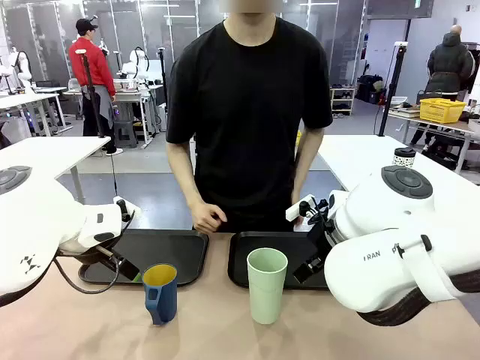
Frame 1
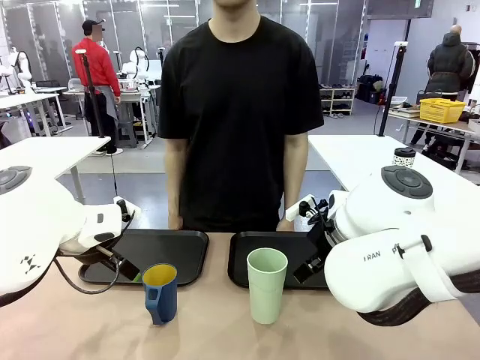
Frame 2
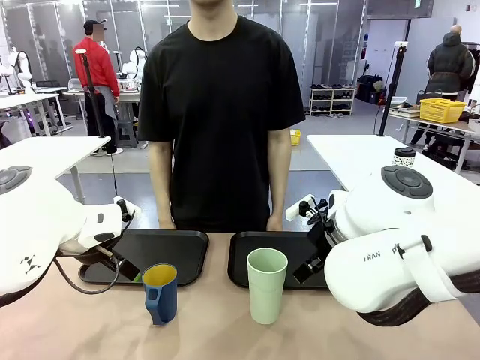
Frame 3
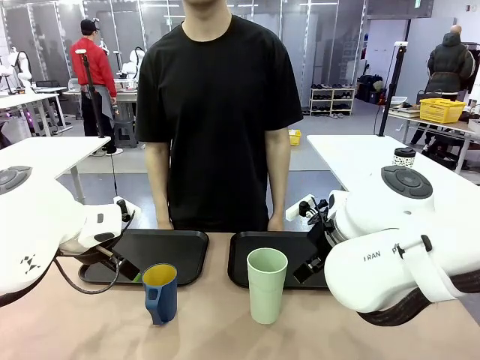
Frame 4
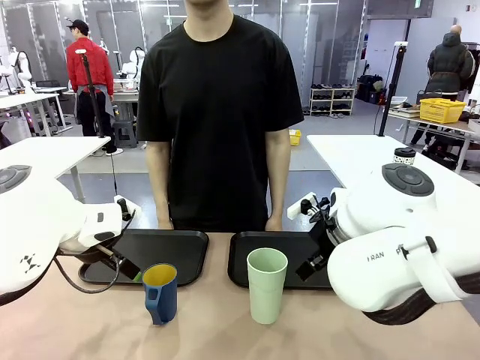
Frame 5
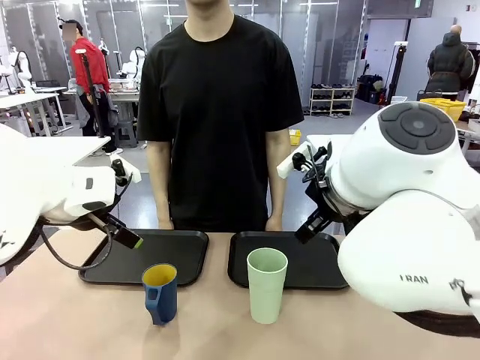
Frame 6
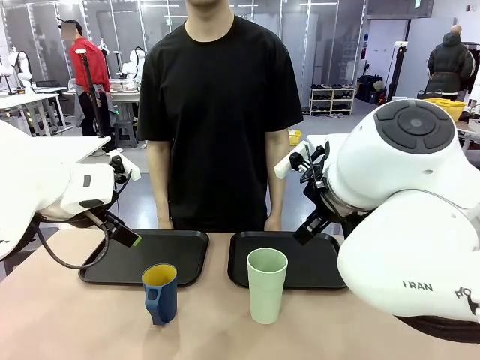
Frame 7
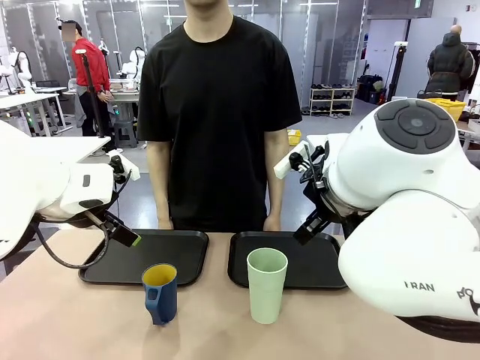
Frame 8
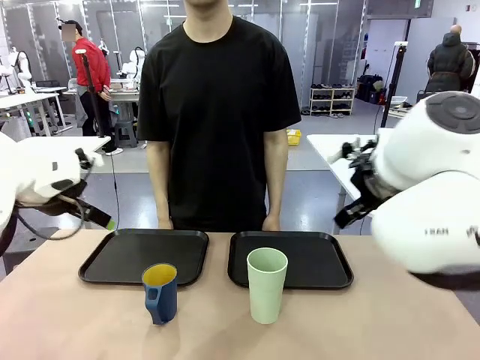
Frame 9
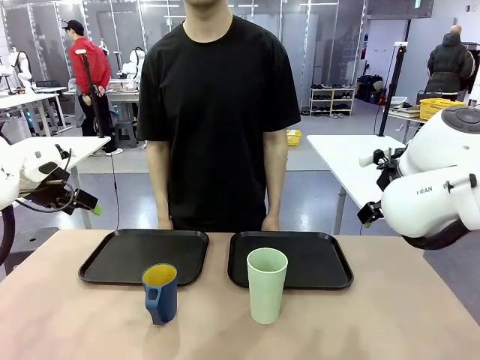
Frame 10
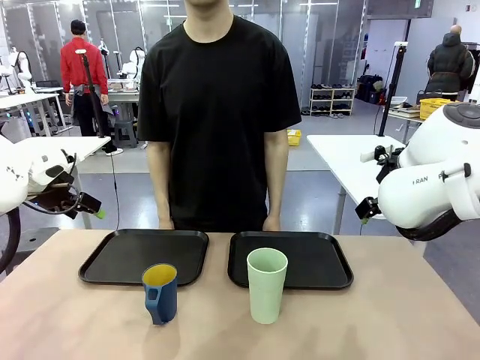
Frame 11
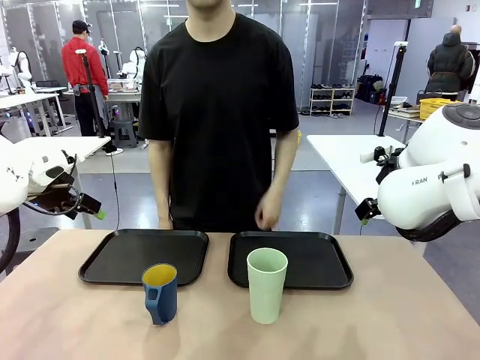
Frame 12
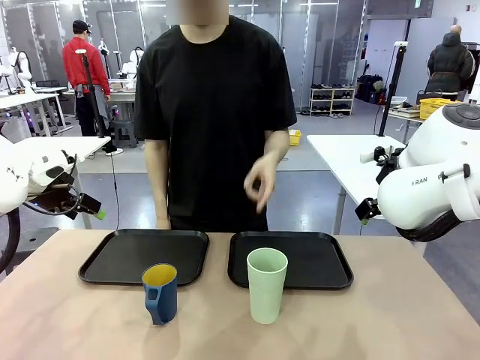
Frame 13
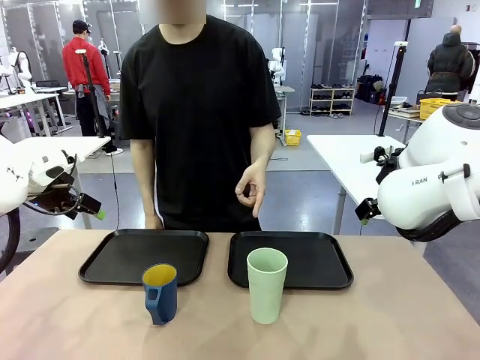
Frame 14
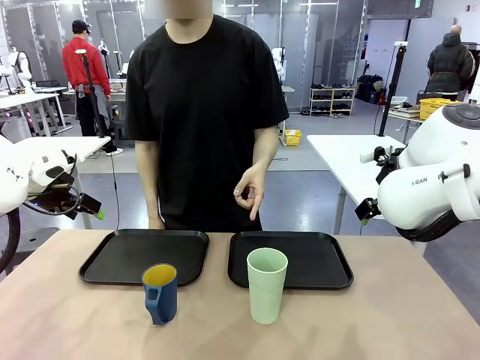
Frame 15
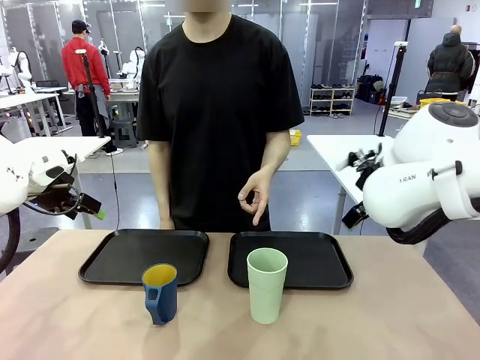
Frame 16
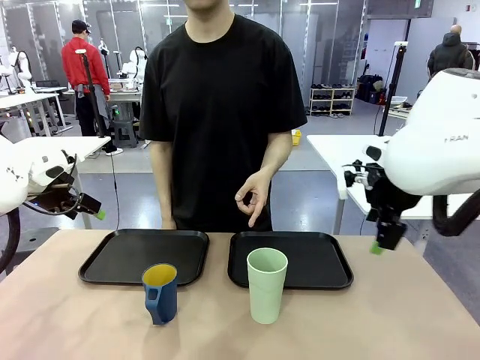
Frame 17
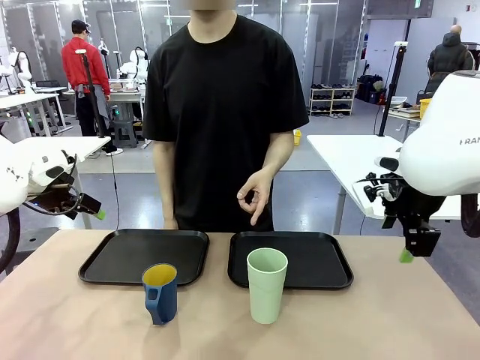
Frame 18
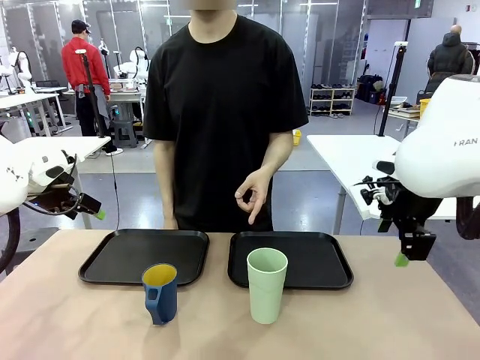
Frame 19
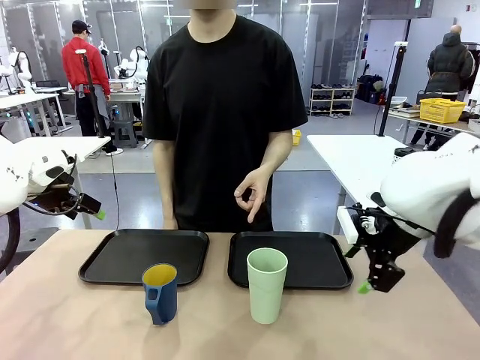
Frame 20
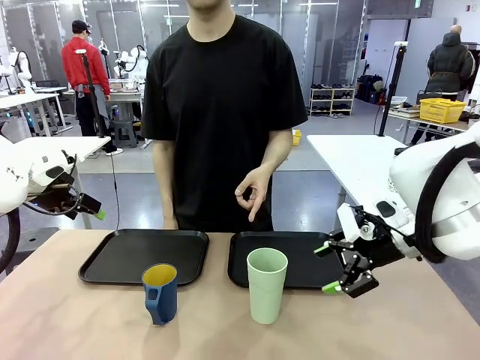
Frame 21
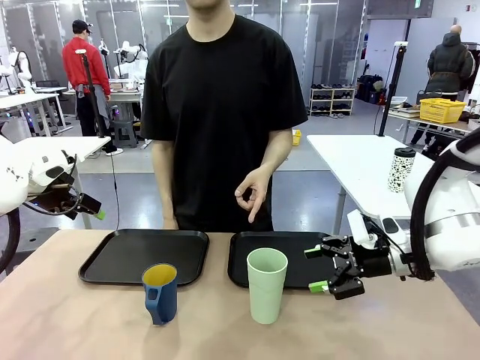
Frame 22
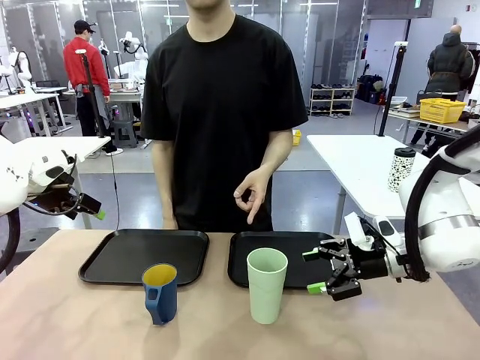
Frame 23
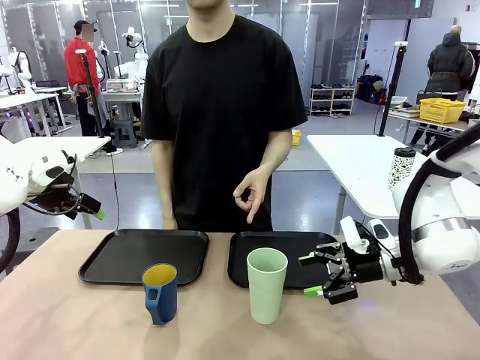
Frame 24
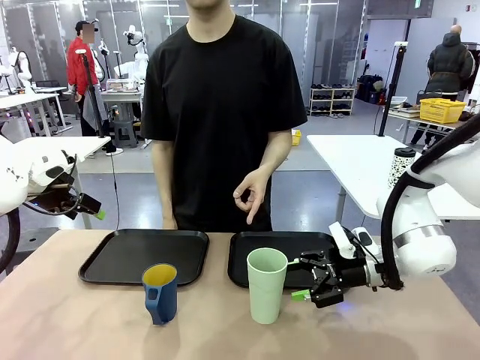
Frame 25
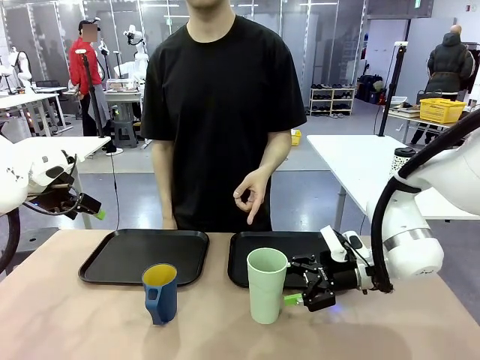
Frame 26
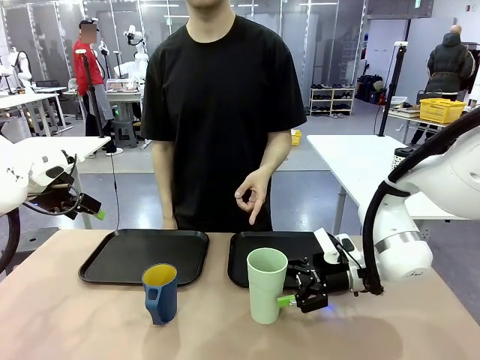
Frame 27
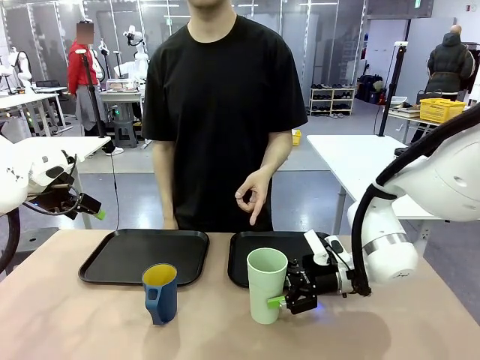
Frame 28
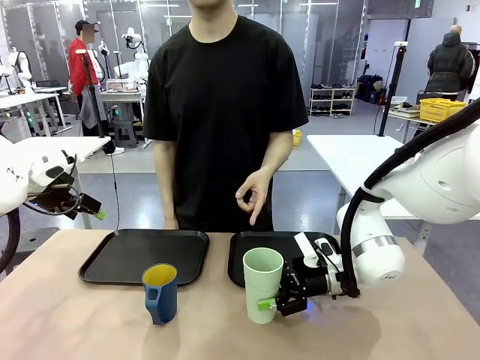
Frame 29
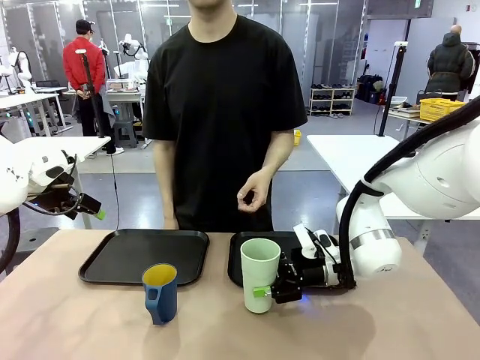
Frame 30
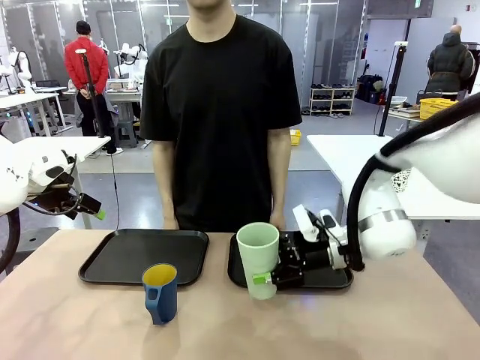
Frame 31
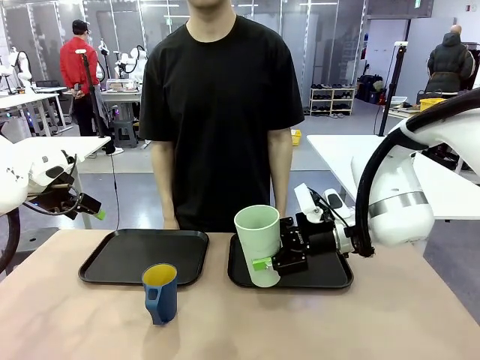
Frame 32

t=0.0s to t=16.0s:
Task: Sort and store the cups by type.
Robot: Pick up the Reusable plastic cup.
Person: Points to the reusable cup. Point to one of the two trays.

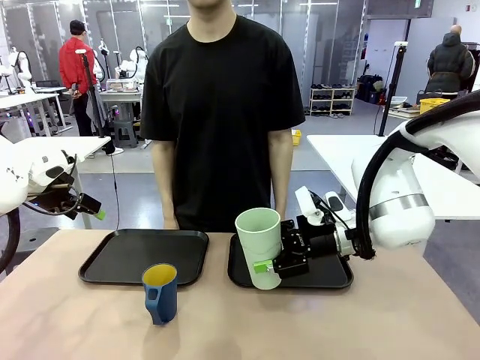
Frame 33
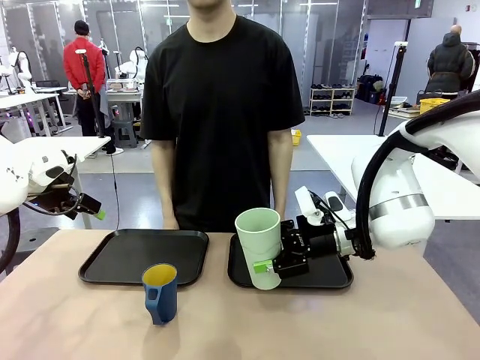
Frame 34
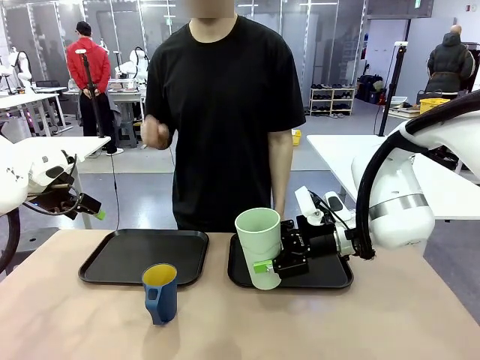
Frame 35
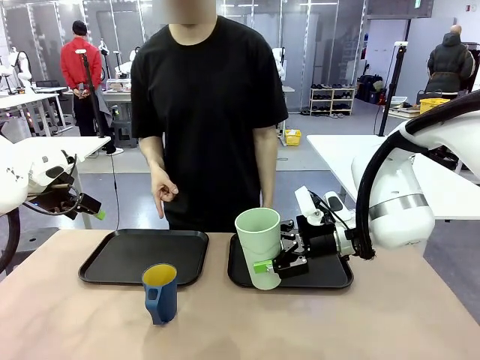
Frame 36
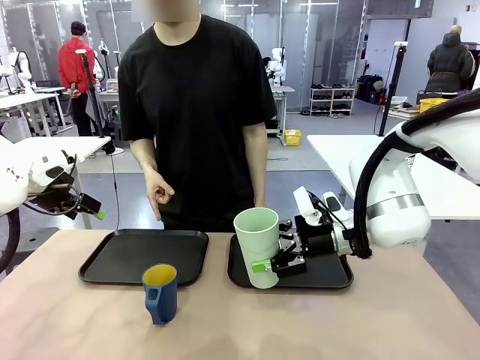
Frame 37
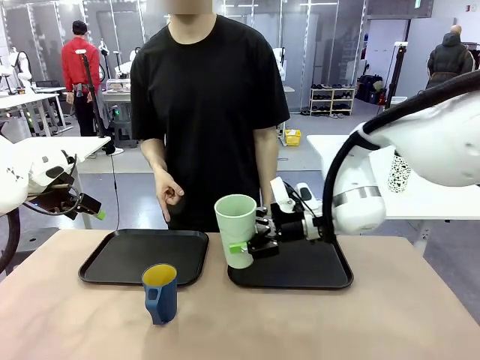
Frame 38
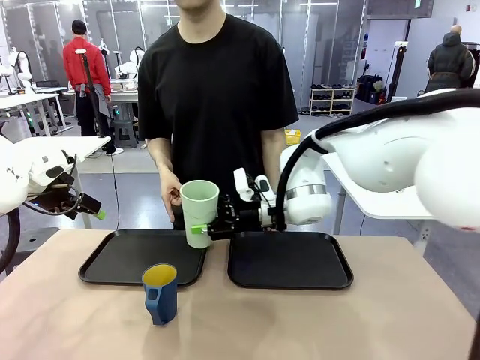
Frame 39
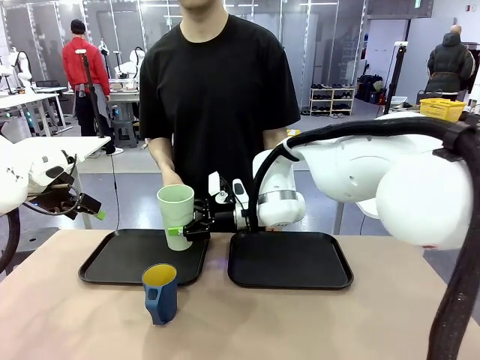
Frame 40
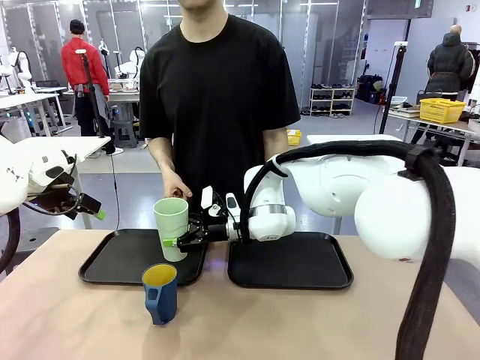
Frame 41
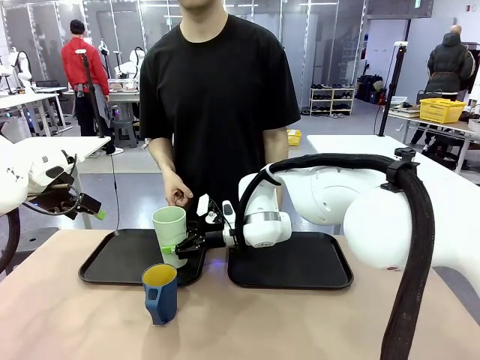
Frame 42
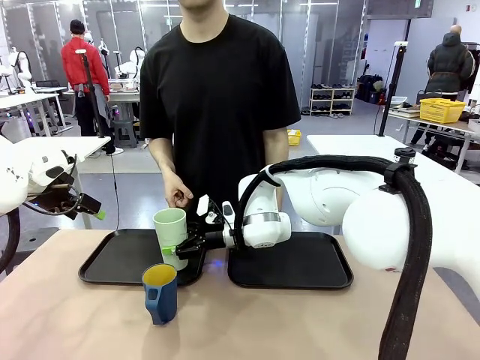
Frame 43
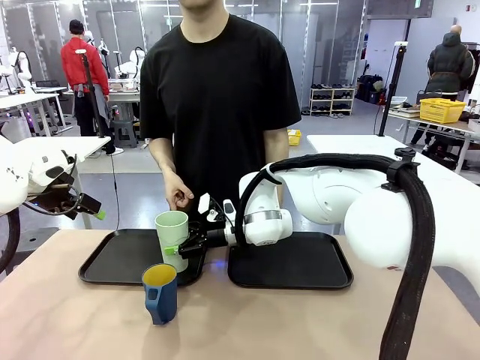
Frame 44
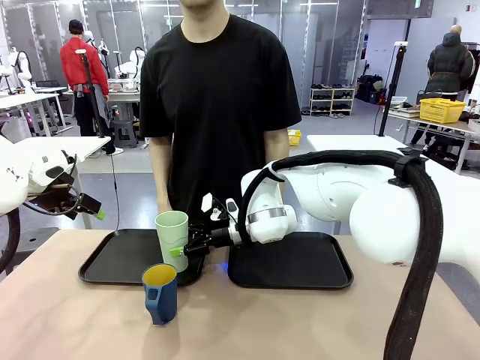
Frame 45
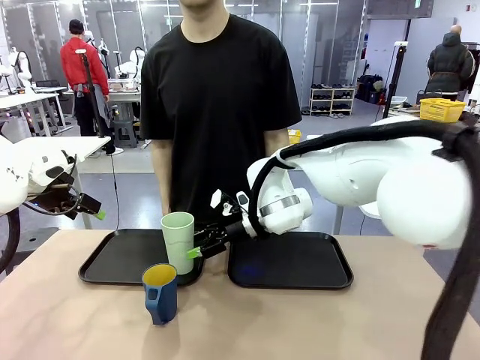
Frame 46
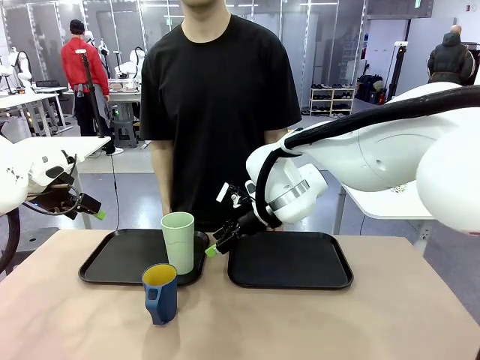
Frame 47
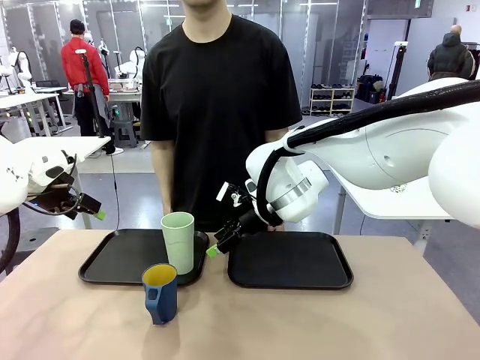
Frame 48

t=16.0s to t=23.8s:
Robot: Place the picked Reusable plastic cup into the Flat Tray indicated by the person.
